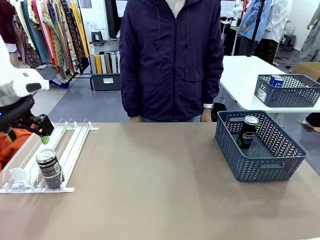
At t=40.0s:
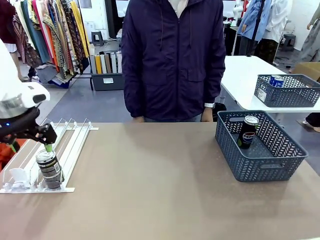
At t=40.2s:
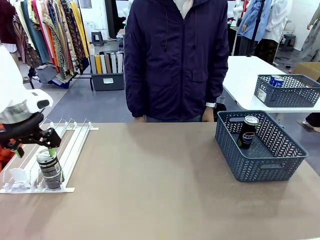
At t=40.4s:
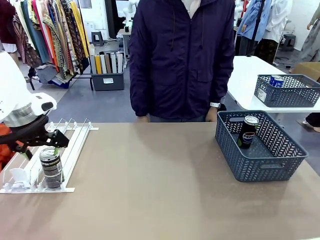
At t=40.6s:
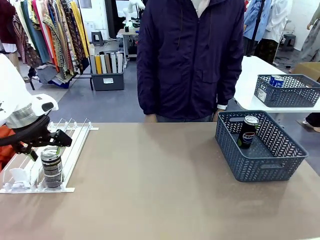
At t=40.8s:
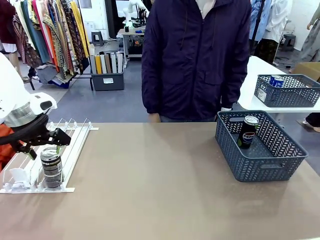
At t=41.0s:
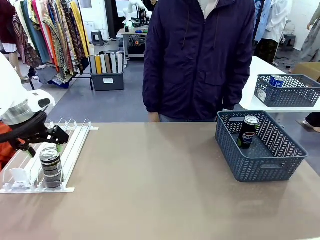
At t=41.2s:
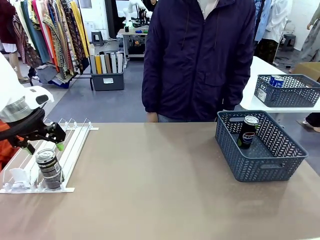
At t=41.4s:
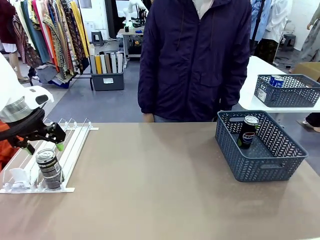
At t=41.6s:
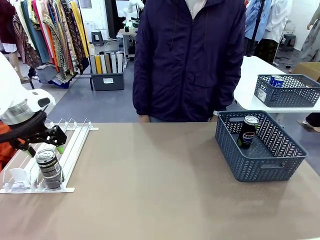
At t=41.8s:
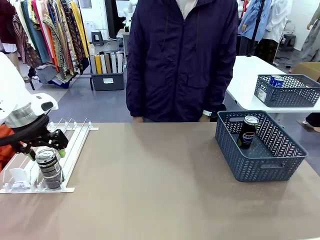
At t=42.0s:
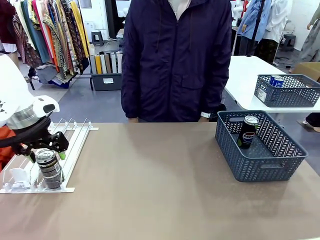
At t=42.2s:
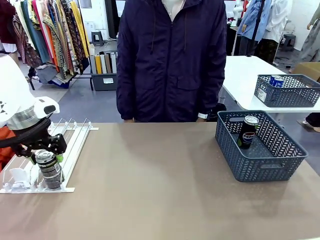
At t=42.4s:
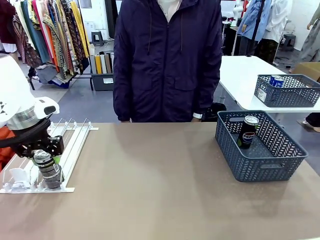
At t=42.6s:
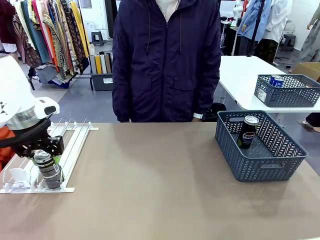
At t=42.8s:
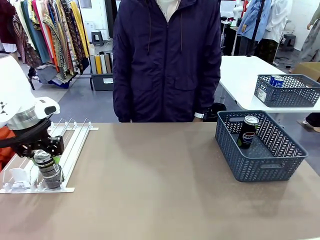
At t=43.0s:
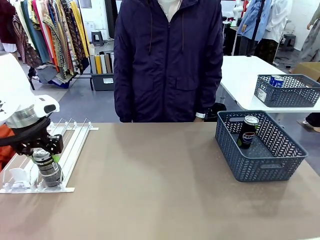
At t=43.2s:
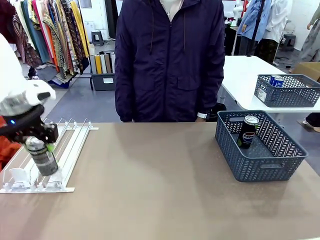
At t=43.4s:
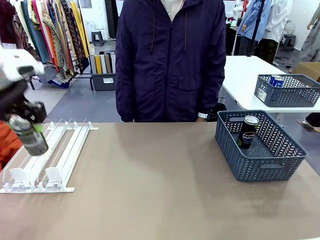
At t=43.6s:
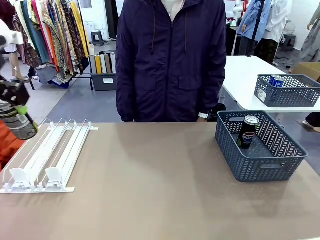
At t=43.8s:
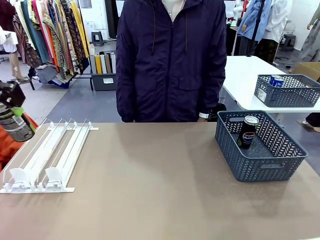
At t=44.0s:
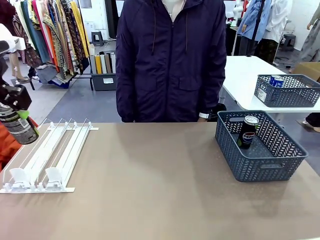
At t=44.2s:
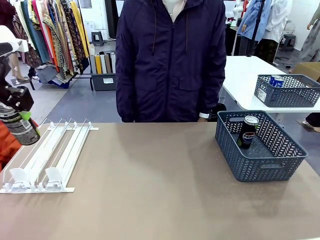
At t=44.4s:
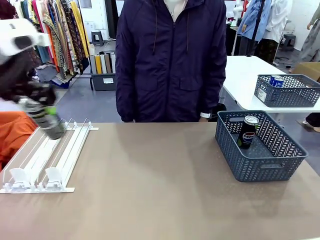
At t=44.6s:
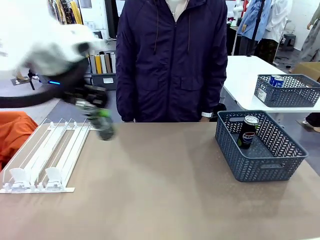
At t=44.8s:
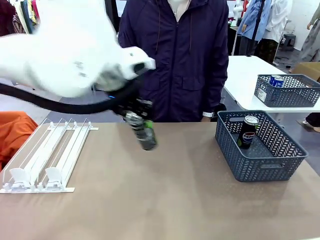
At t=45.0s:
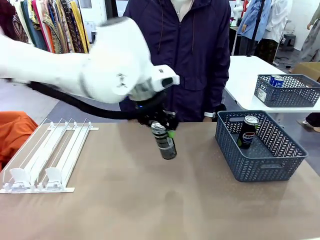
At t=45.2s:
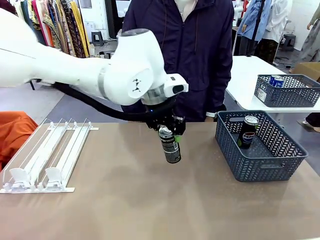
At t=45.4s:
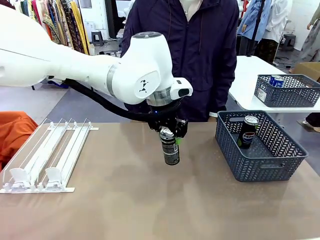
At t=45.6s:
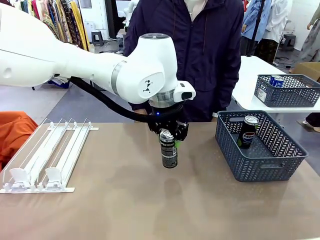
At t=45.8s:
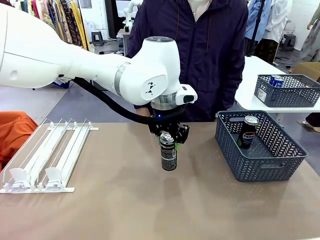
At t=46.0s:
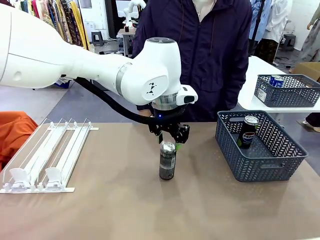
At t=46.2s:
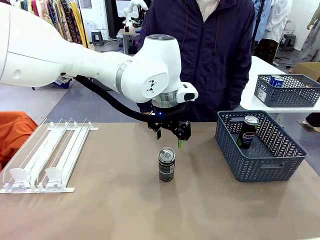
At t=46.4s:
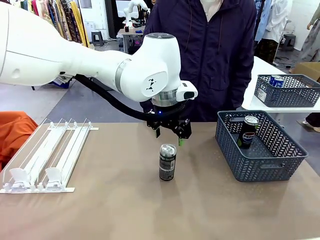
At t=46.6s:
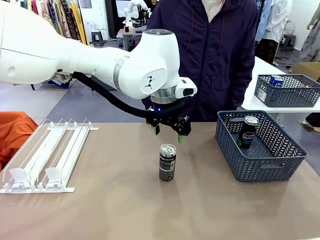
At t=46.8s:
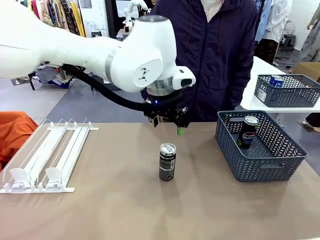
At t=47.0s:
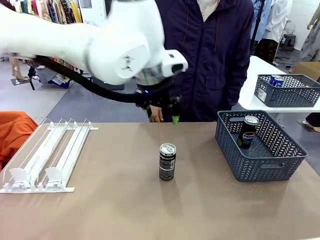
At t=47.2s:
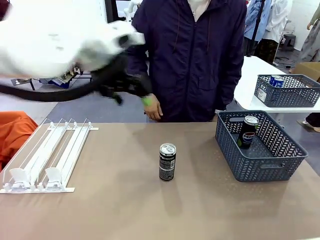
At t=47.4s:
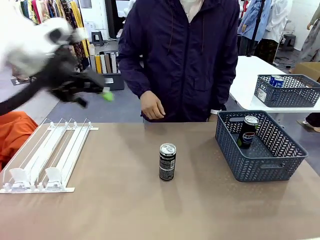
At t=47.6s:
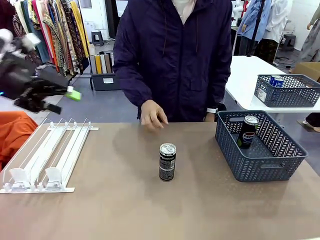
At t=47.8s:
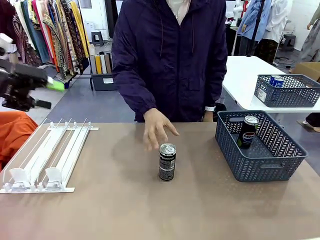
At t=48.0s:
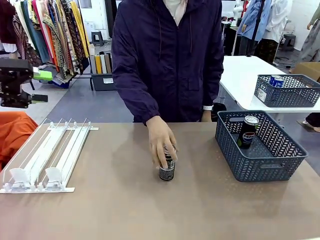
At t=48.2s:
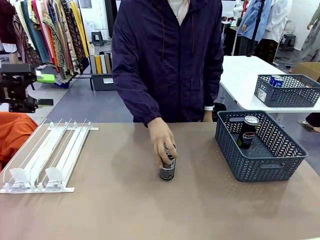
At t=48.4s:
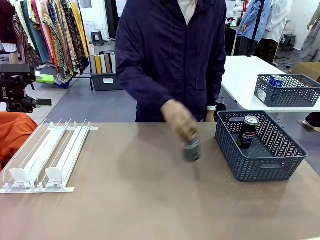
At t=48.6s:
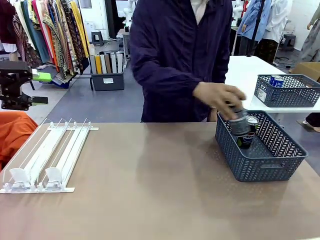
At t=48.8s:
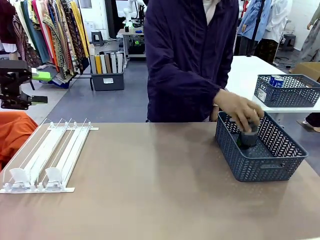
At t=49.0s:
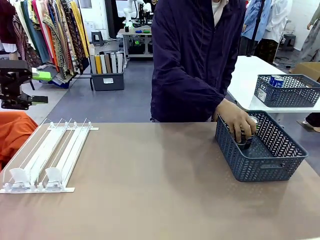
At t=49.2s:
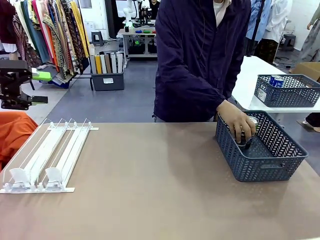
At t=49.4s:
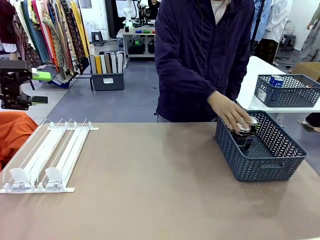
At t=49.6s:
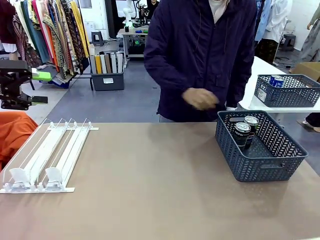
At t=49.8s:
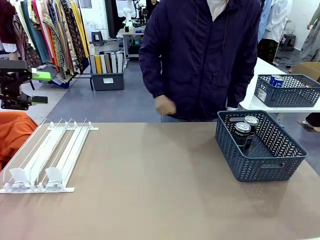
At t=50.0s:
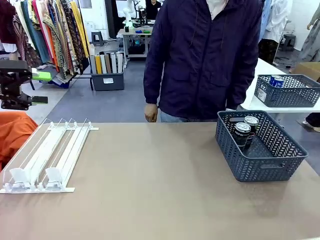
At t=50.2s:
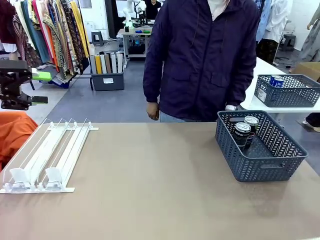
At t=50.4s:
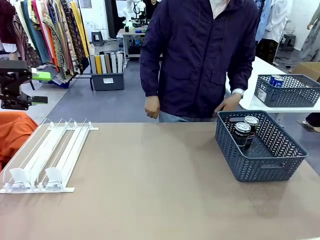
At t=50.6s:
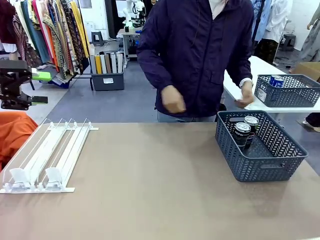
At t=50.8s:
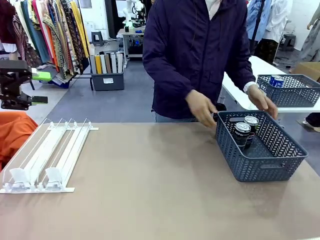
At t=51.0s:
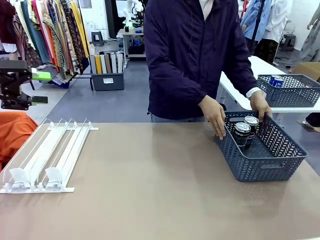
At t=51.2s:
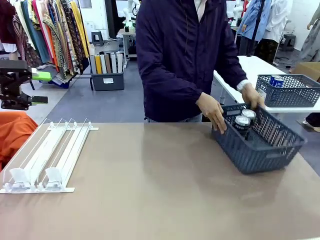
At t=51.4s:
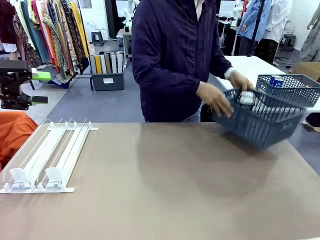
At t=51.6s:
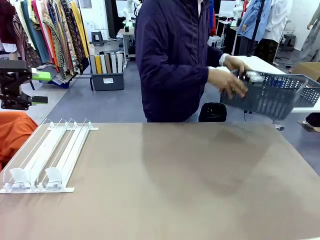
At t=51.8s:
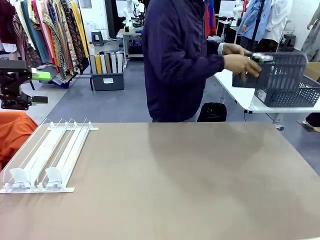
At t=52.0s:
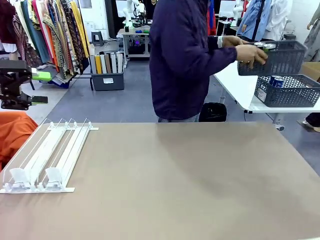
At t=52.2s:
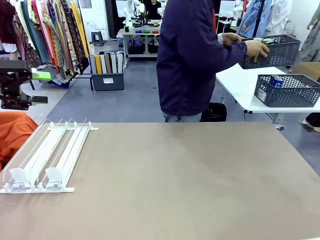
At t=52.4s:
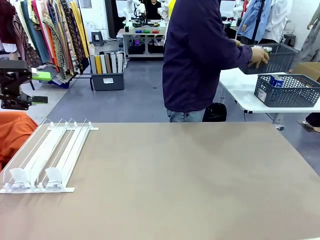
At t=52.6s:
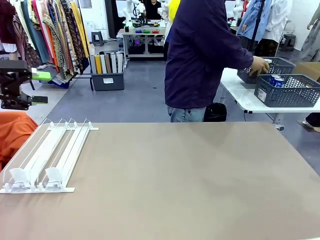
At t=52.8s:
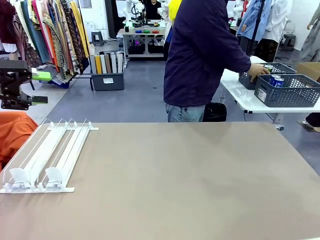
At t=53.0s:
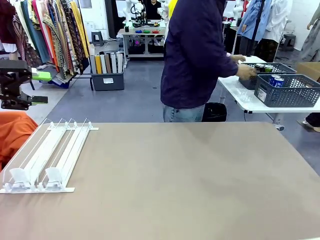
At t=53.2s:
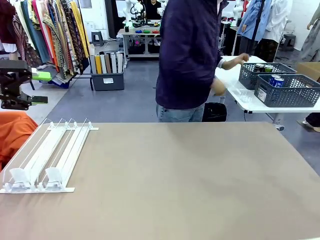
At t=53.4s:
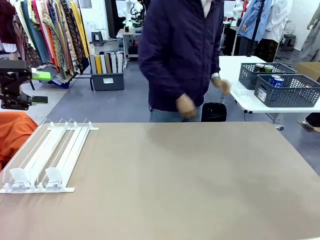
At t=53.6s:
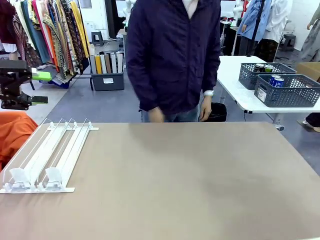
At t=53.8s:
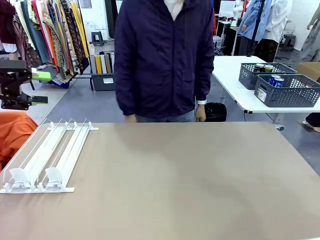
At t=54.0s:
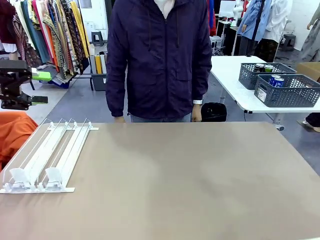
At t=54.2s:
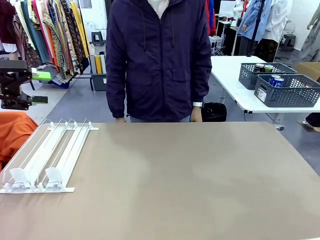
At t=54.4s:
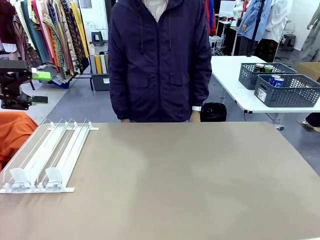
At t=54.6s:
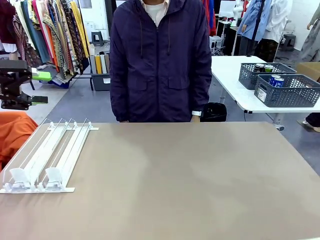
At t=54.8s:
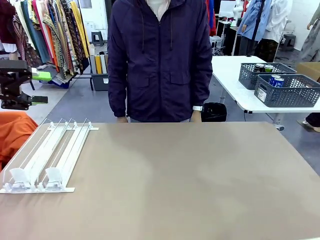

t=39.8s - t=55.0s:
Task: Retrieve and store the cans from the dispenser.
Robot: Pick up one can from the Automatic Can Dispenser and place it in the middle of the table.
Person: Pick up one sports drink can from the middle of the robot table and place it in the basket. Pick up the basket and place it in the middle of the human table.

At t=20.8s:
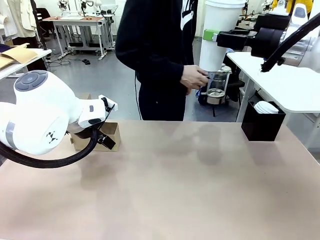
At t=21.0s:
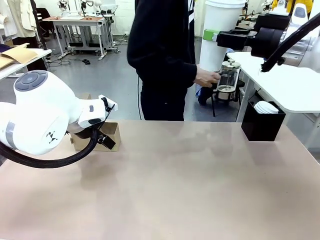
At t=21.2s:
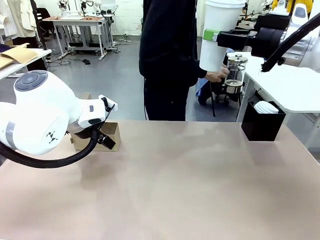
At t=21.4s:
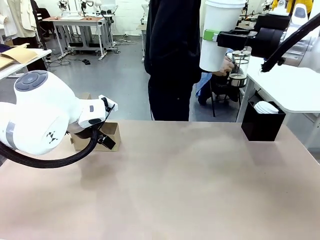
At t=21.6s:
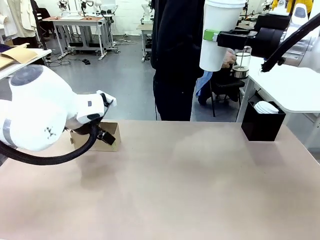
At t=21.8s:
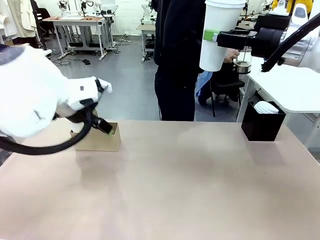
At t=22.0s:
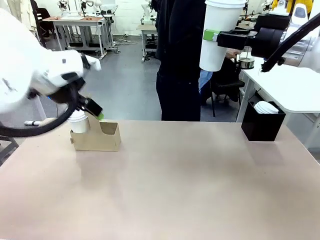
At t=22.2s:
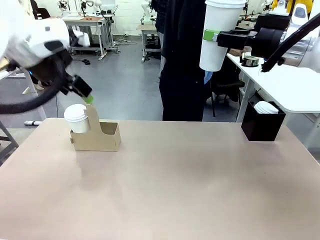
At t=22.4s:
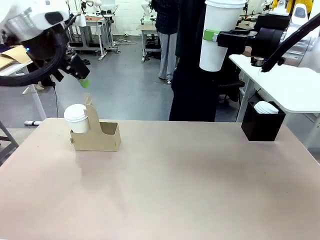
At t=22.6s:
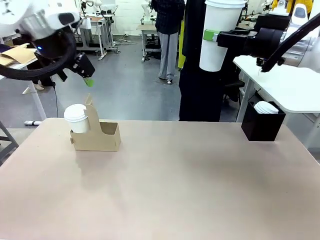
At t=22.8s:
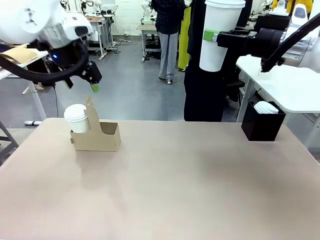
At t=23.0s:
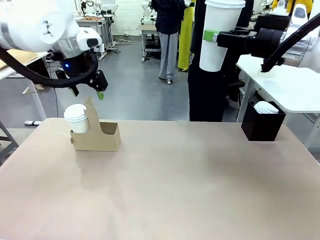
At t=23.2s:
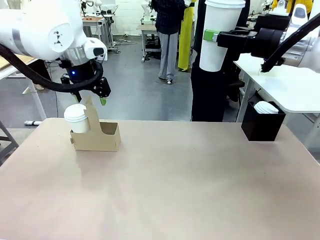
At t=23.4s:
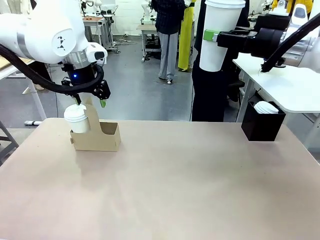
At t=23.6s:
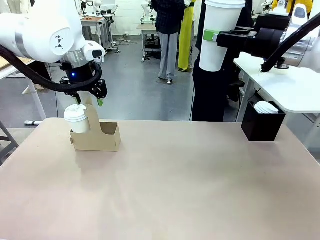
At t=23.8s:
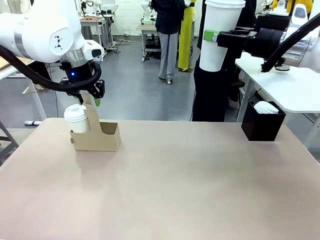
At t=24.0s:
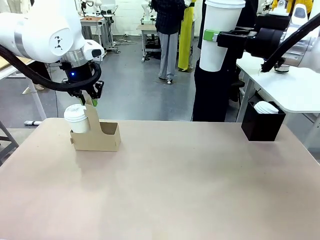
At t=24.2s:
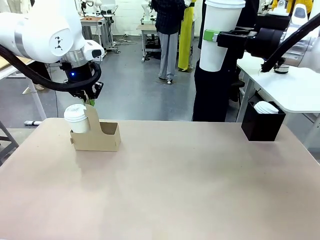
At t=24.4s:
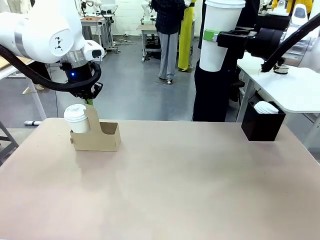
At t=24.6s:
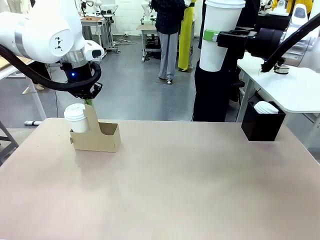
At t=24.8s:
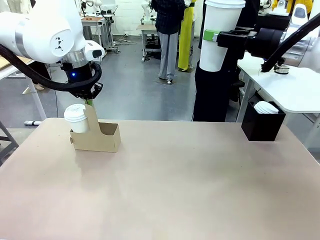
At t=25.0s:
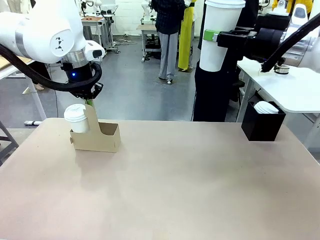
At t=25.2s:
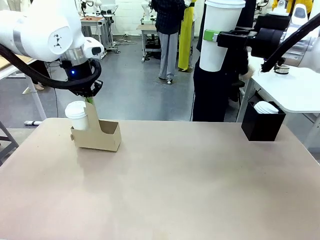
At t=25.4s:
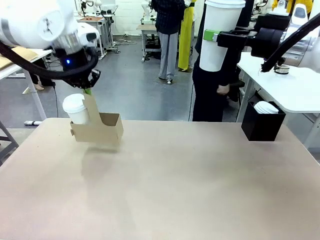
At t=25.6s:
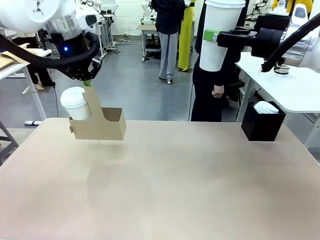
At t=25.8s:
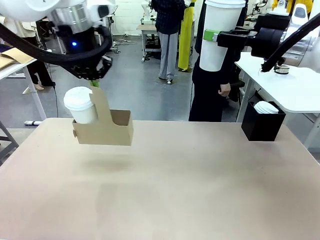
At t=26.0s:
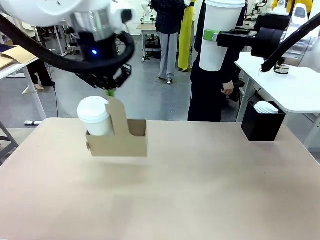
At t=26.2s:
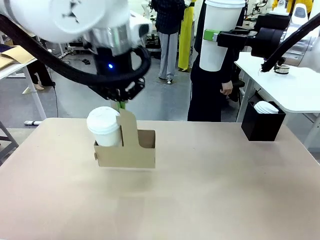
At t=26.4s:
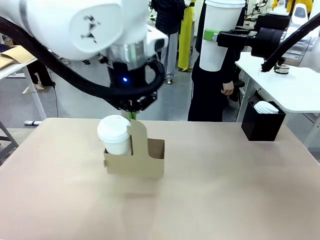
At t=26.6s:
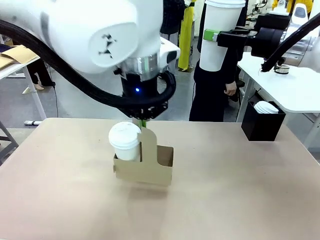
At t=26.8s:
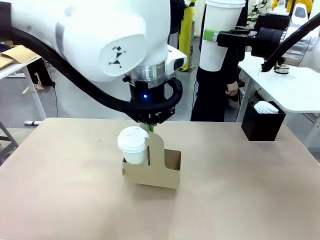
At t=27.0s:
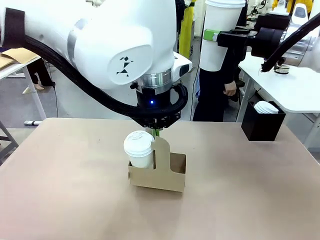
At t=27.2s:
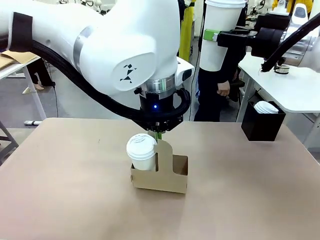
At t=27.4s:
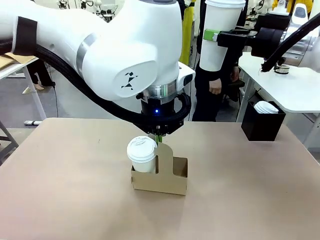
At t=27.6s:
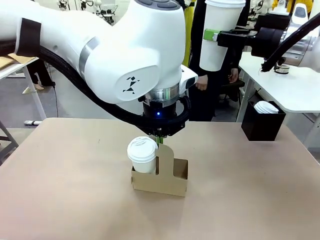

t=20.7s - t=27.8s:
Task: Pour a drink into a cup and package it in a carrier.
Robot: Position the Cup Carrier in the center of the table.
Person: Pick up the Filter Brewing and place on the middle of Human table, and return to the Robot table.
